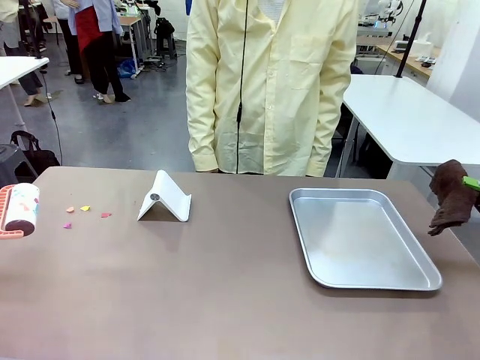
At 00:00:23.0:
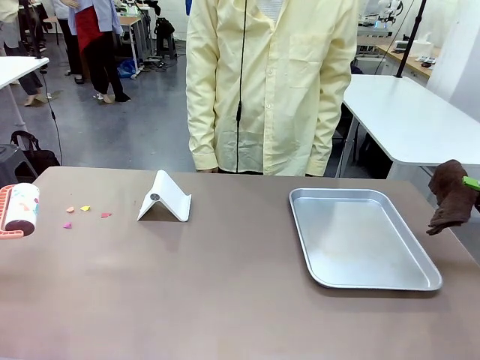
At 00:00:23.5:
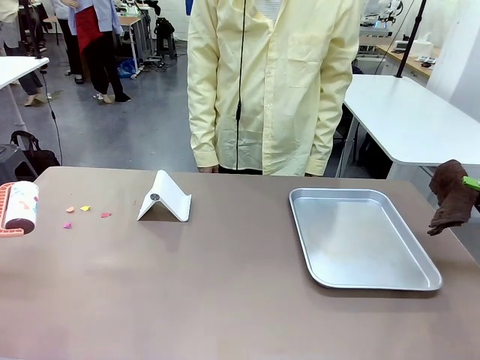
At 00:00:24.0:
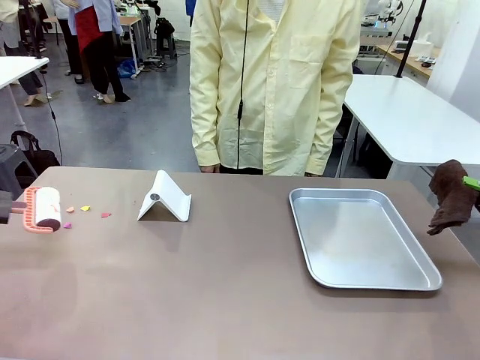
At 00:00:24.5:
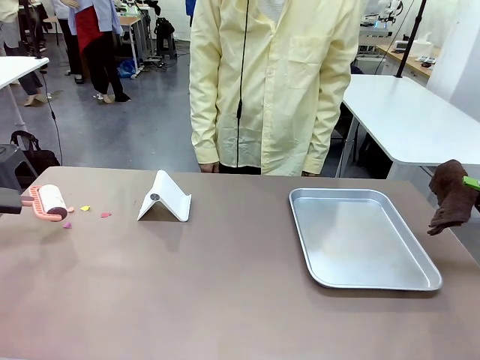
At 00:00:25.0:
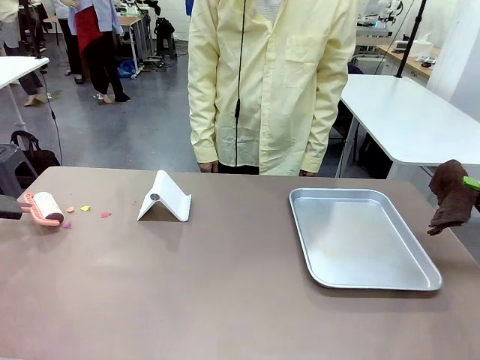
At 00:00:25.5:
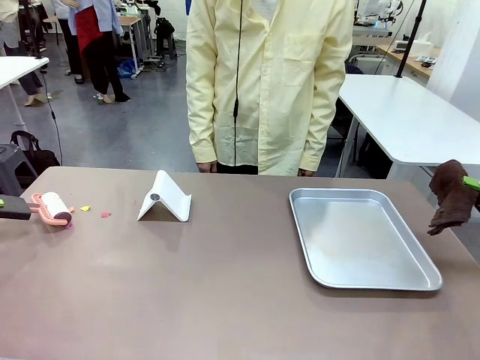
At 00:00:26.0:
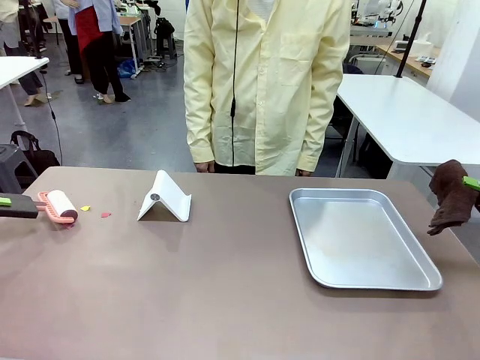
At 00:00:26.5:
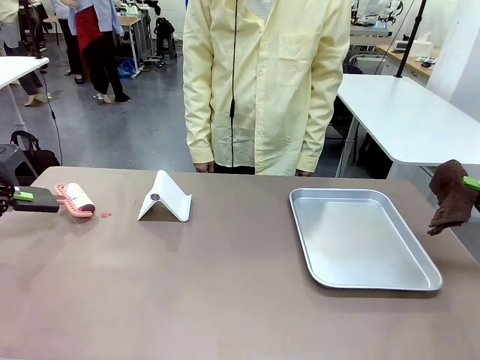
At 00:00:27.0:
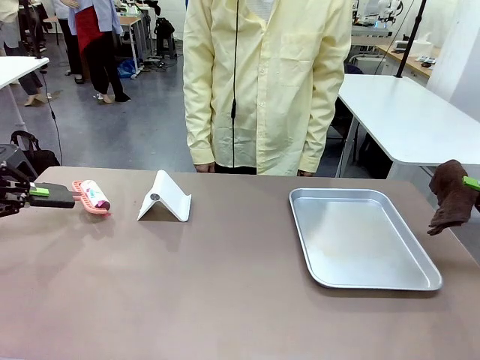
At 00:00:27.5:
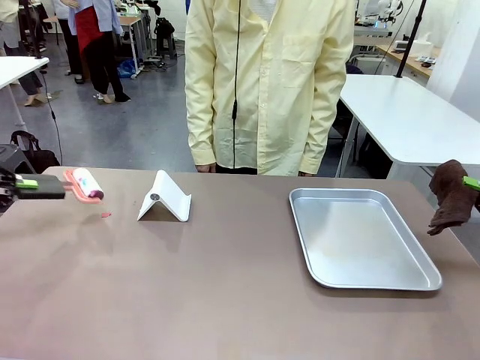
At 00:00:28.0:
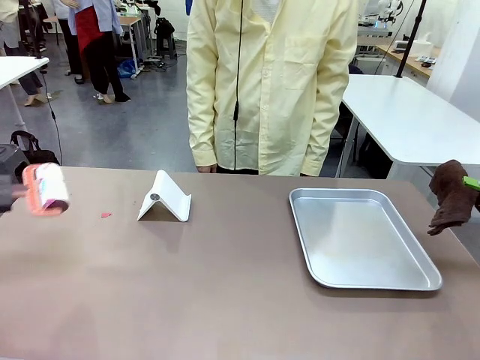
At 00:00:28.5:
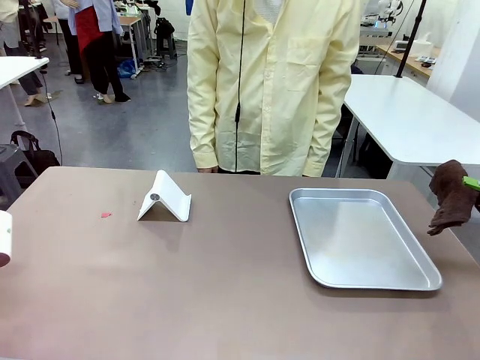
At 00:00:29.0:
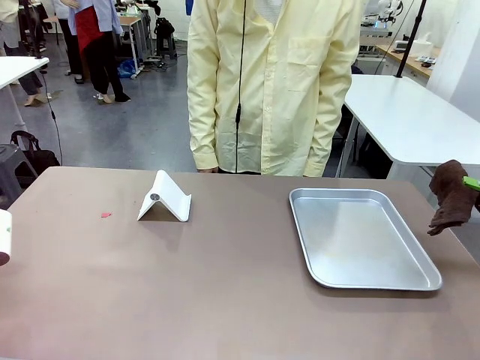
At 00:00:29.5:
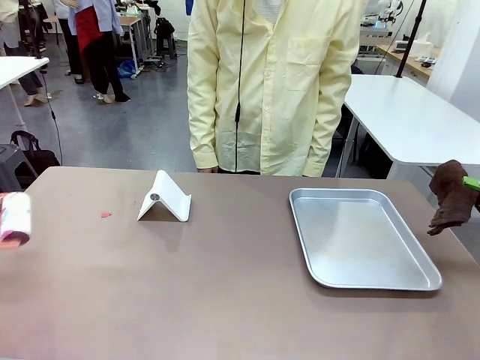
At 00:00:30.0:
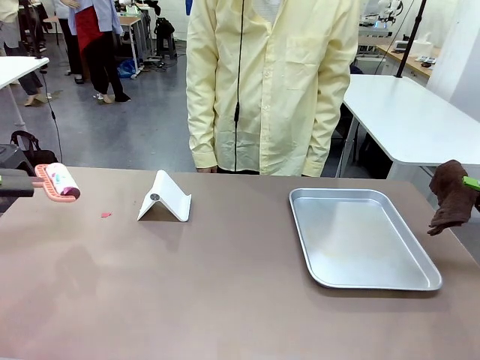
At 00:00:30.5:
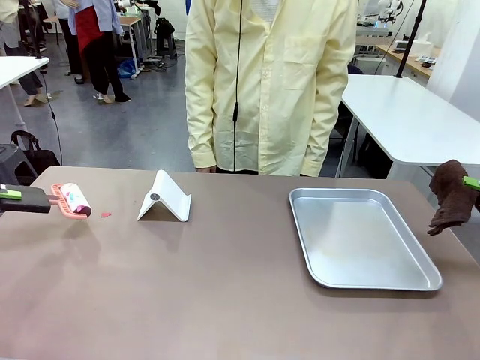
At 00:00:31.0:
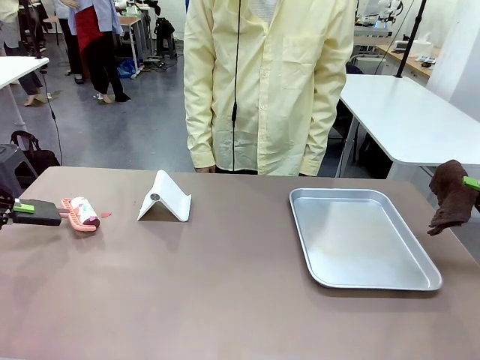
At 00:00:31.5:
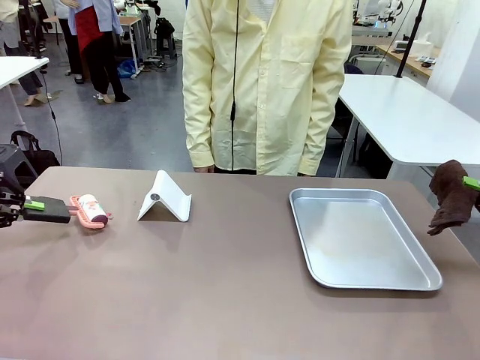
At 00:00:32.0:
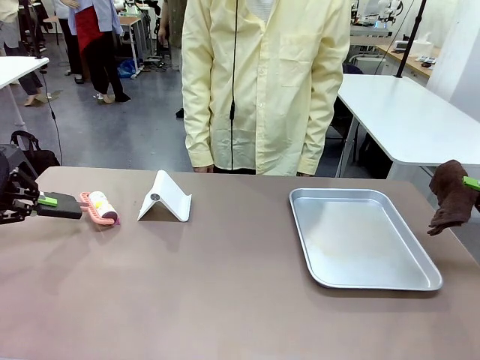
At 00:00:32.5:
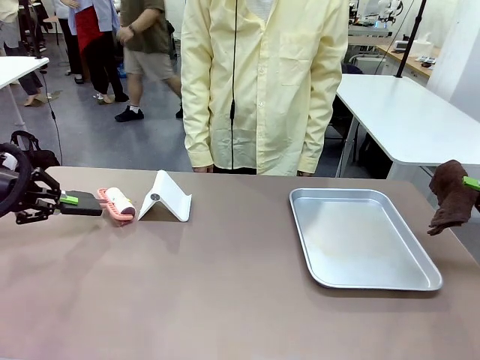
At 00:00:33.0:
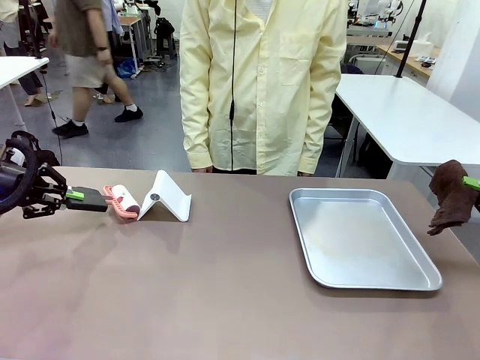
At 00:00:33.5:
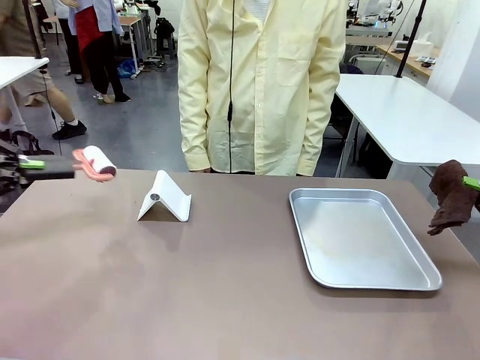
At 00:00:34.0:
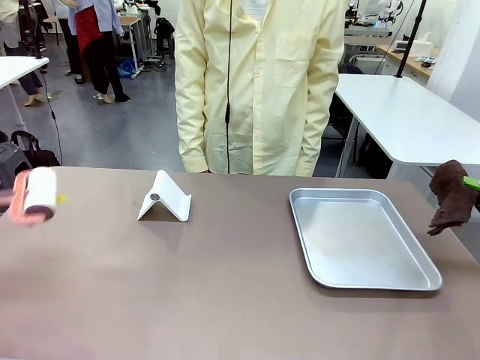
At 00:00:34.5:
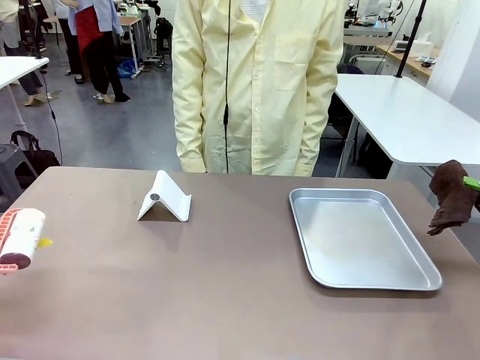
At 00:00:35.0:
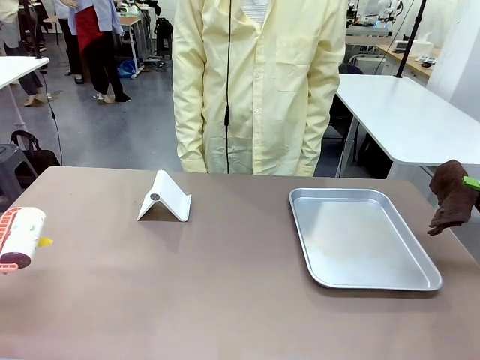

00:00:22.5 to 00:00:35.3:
Task: Clean the surface of the table.
Robot: Clean the area not pointed to by the person.

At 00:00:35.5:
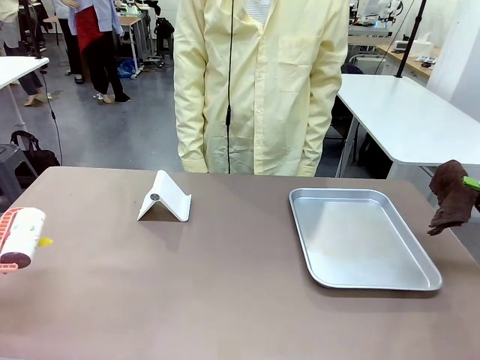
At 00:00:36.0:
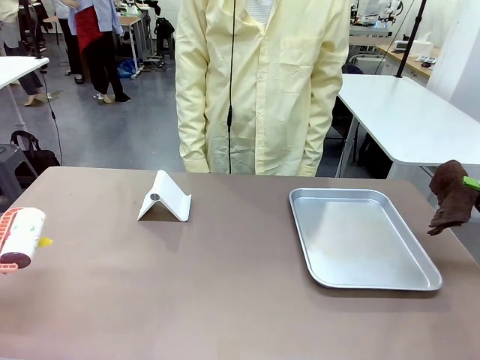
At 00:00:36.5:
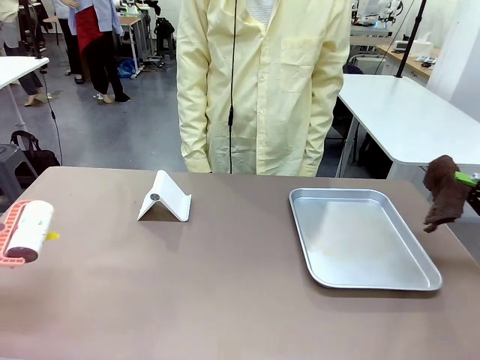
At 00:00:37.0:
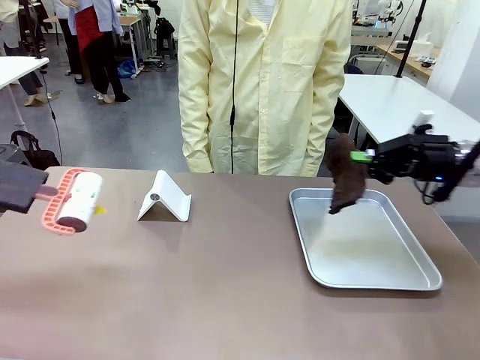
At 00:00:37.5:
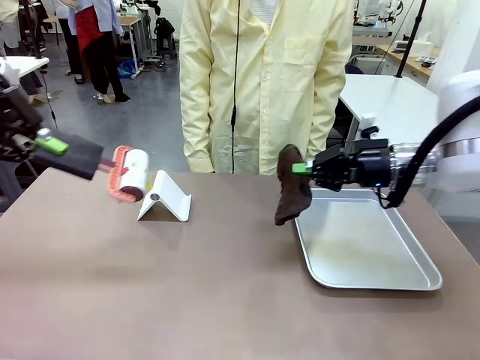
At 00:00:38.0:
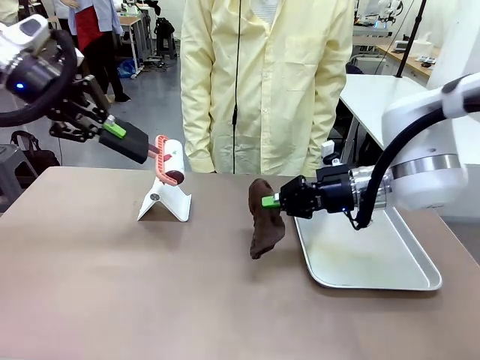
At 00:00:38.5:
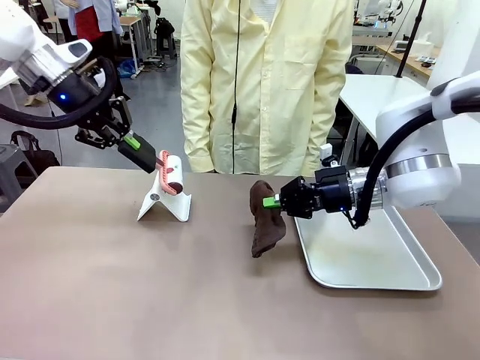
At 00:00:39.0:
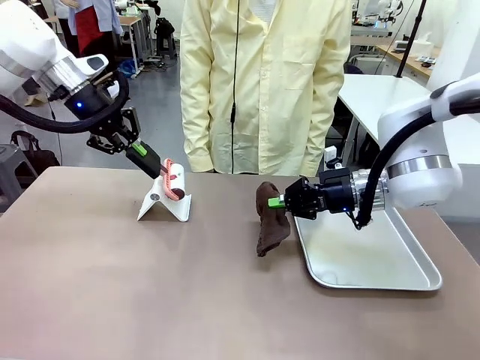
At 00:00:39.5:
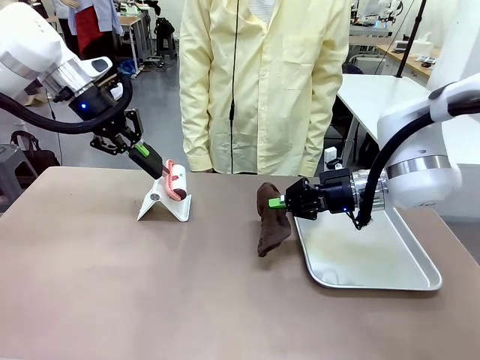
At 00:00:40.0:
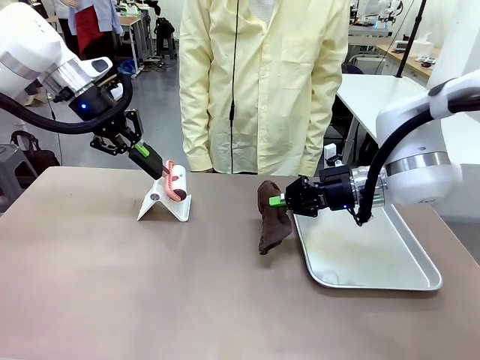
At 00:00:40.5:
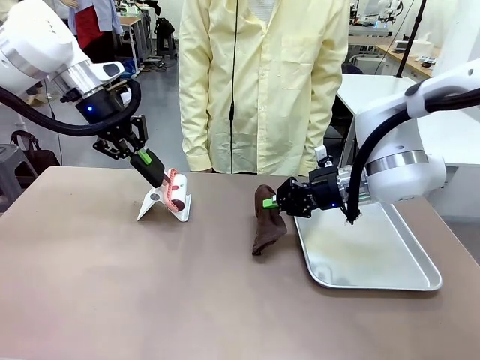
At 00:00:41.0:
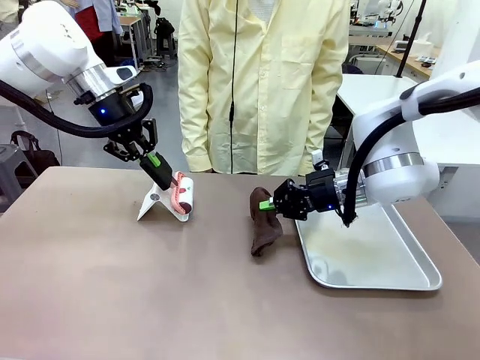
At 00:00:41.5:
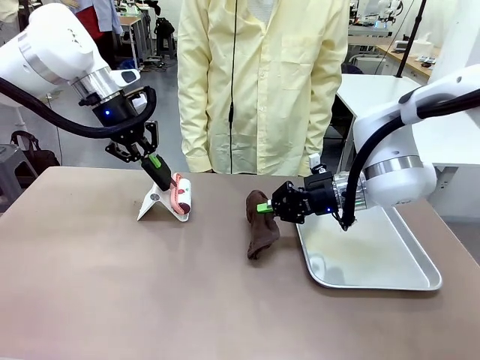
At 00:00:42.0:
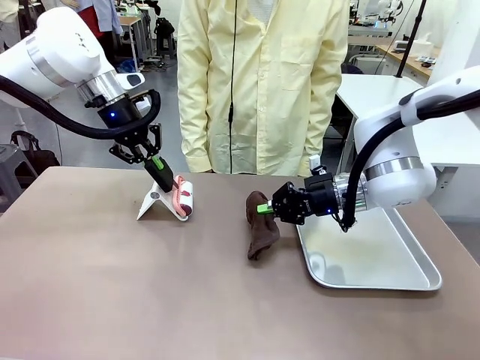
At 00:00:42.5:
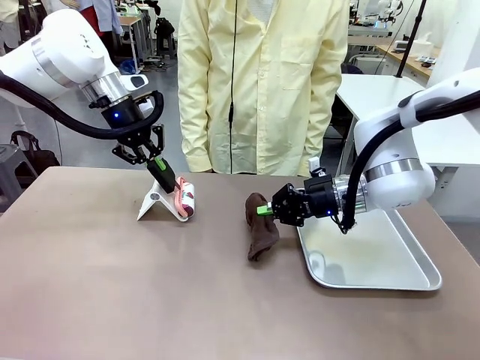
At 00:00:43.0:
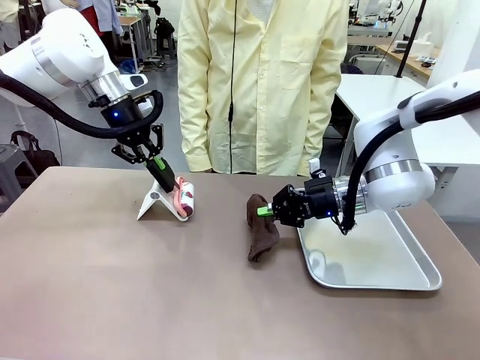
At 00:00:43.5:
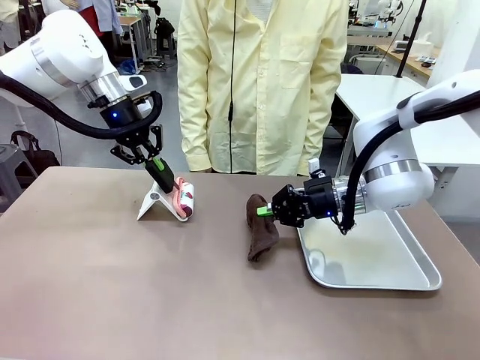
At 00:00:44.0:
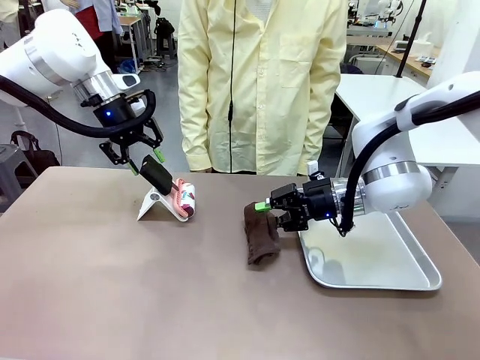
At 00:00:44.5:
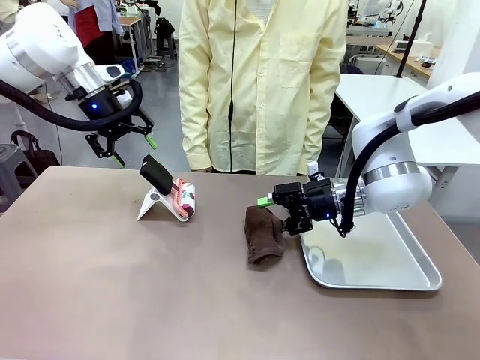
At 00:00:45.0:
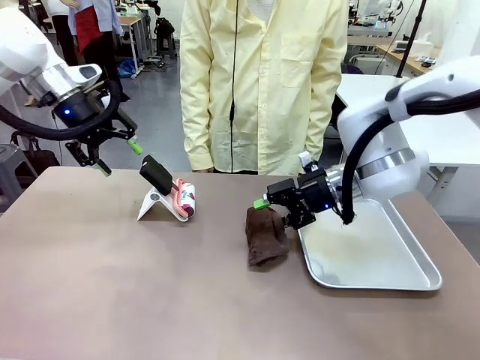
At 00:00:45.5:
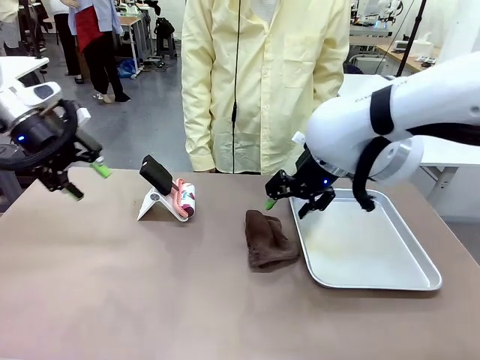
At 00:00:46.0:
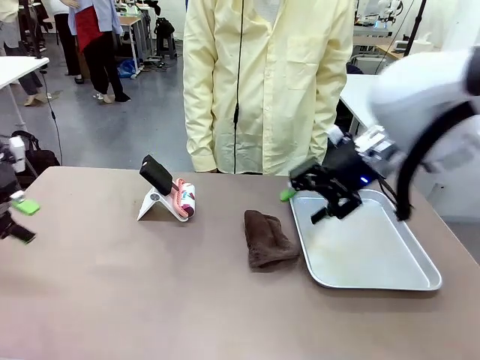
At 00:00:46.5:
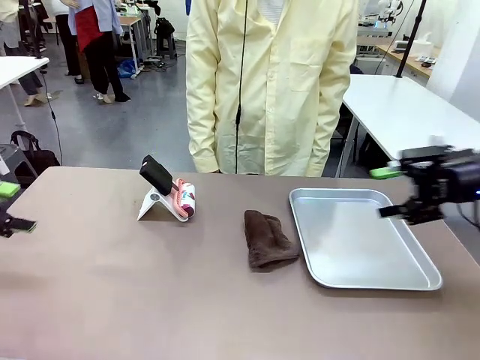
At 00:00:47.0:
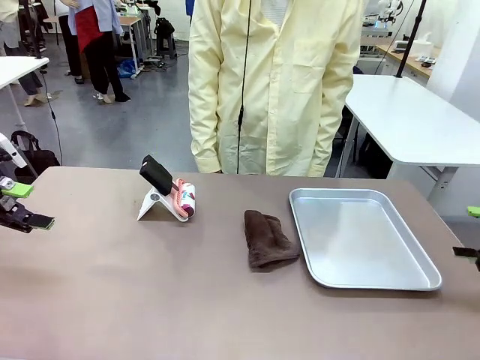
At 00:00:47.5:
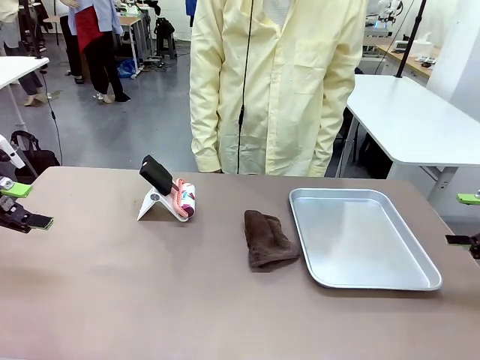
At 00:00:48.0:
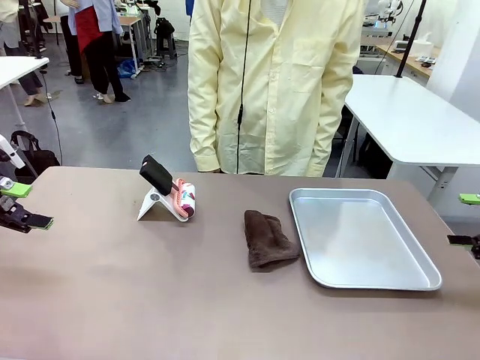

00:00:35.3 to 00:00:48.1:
Robot: Return the Lint Roller and towel to their original positions.
